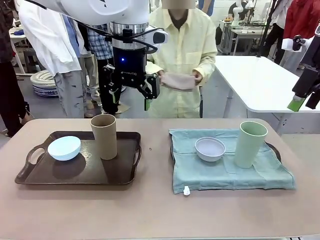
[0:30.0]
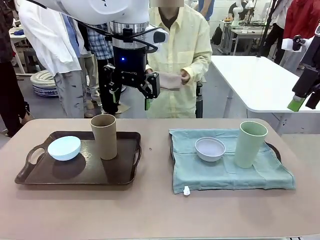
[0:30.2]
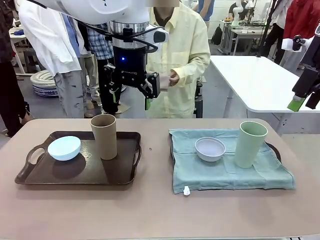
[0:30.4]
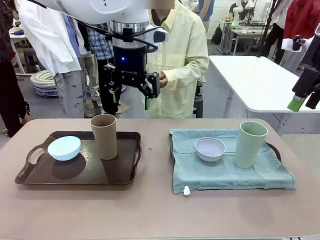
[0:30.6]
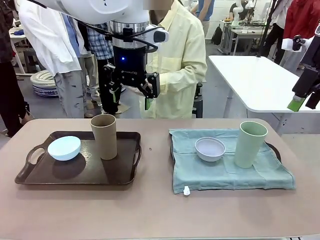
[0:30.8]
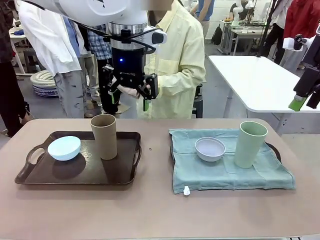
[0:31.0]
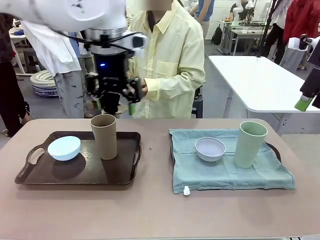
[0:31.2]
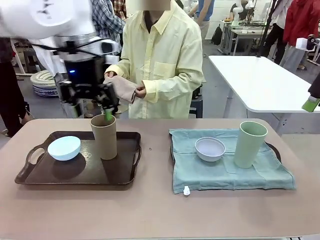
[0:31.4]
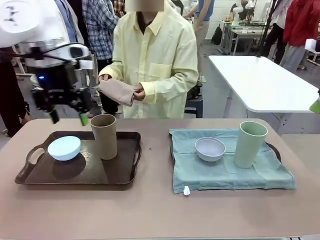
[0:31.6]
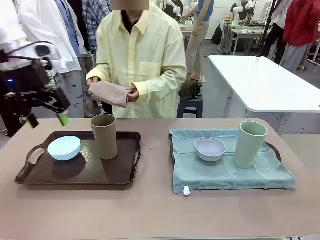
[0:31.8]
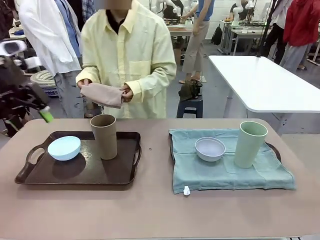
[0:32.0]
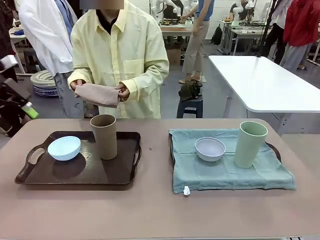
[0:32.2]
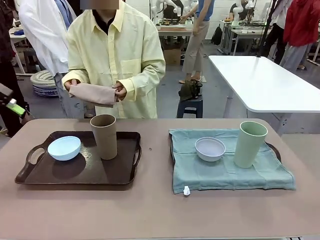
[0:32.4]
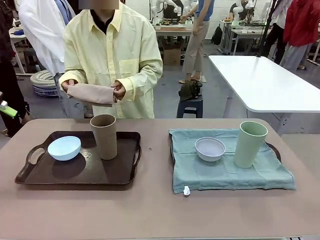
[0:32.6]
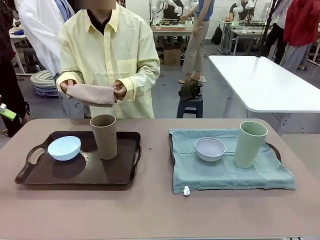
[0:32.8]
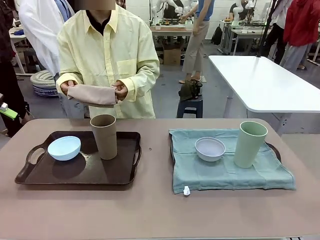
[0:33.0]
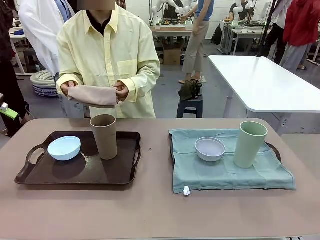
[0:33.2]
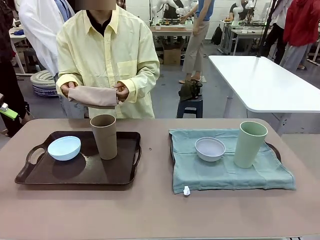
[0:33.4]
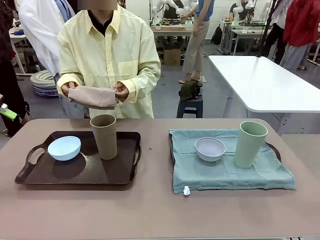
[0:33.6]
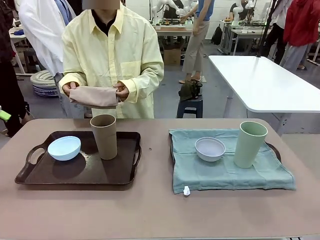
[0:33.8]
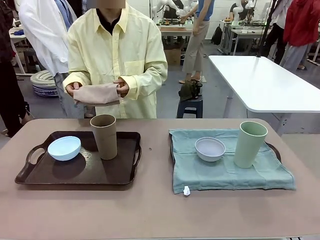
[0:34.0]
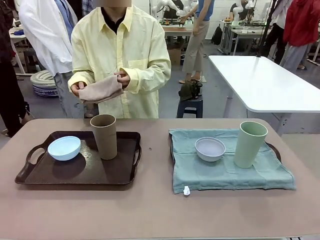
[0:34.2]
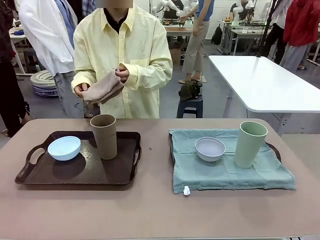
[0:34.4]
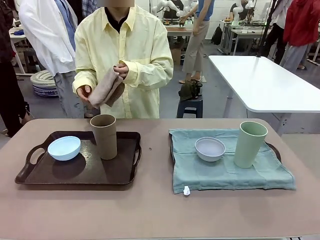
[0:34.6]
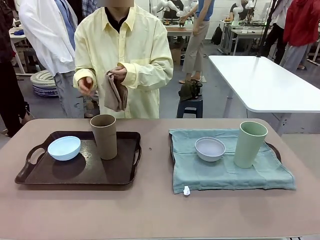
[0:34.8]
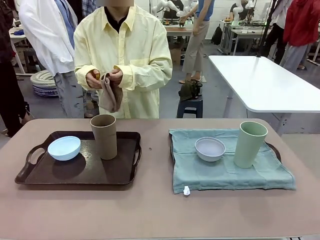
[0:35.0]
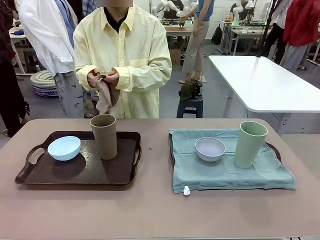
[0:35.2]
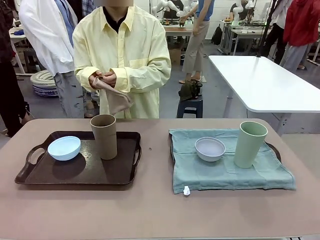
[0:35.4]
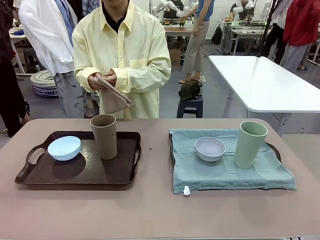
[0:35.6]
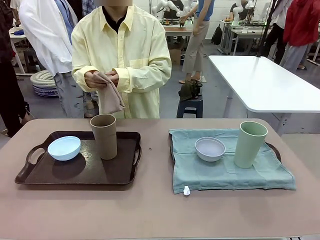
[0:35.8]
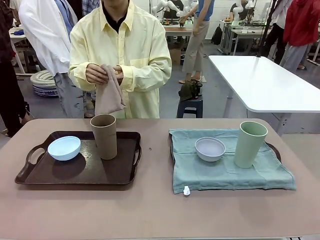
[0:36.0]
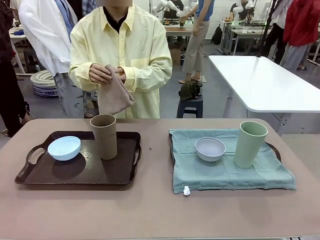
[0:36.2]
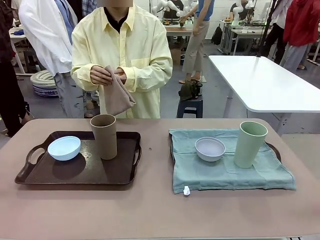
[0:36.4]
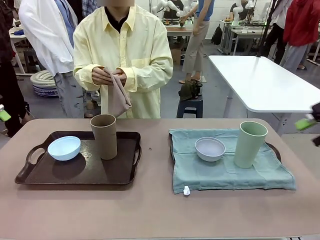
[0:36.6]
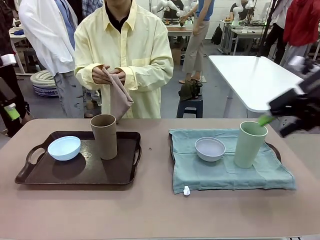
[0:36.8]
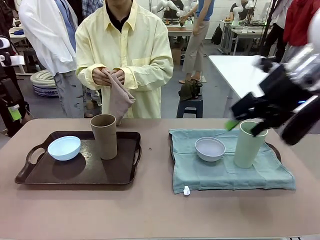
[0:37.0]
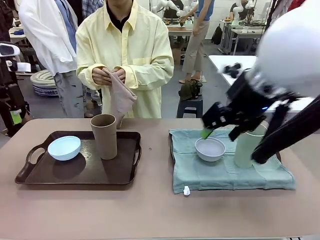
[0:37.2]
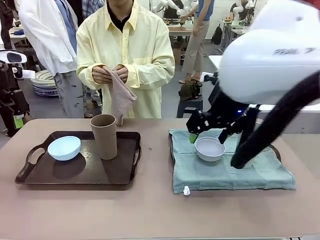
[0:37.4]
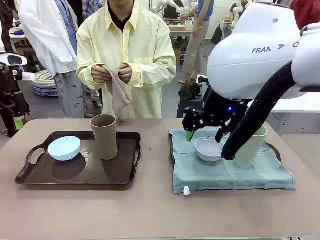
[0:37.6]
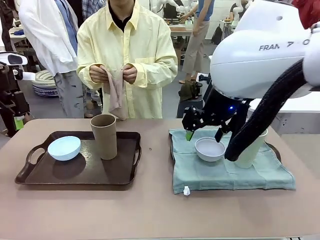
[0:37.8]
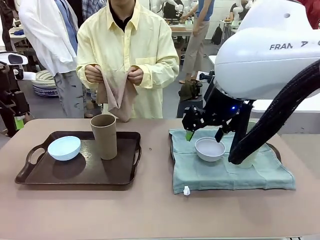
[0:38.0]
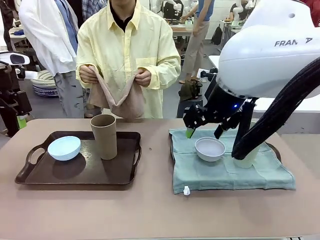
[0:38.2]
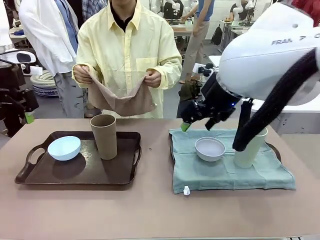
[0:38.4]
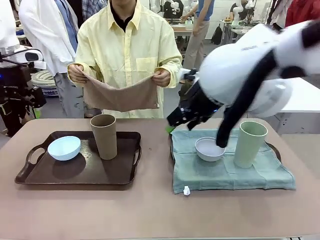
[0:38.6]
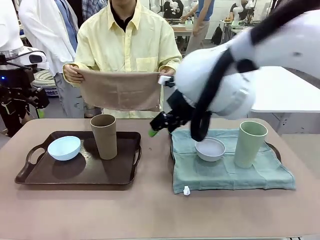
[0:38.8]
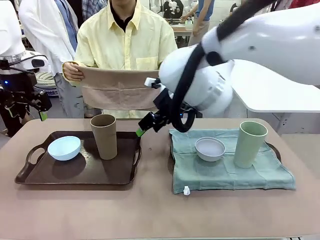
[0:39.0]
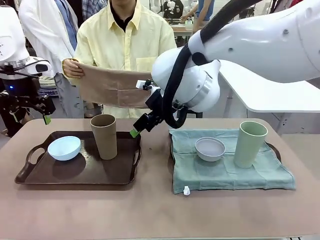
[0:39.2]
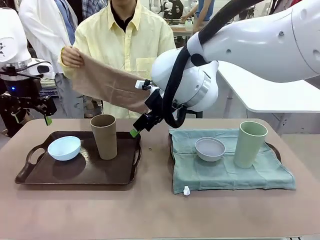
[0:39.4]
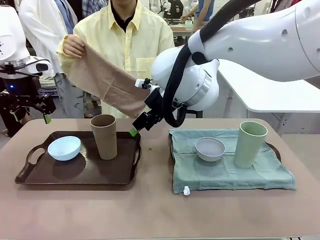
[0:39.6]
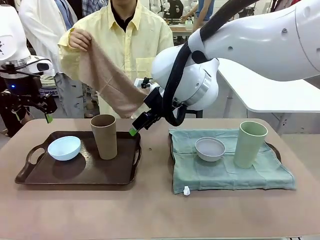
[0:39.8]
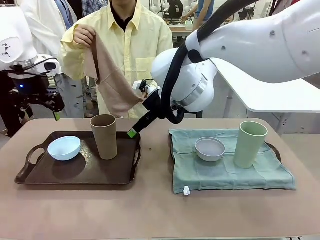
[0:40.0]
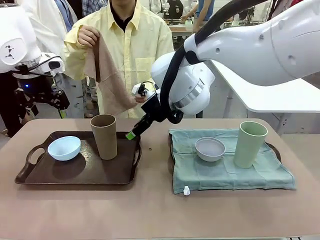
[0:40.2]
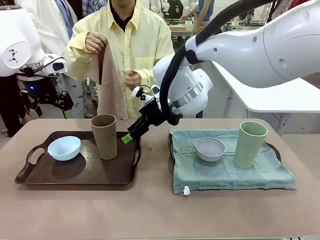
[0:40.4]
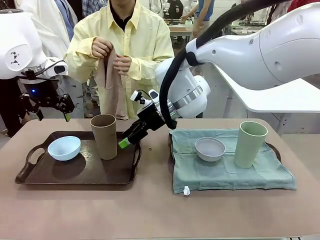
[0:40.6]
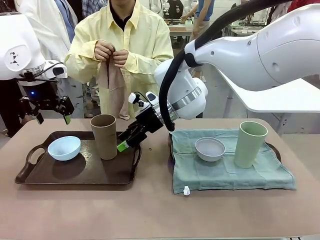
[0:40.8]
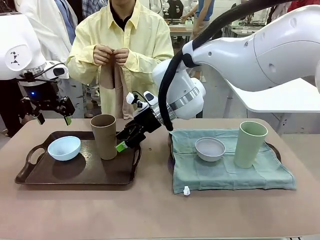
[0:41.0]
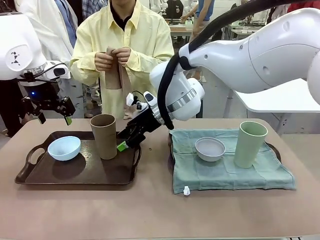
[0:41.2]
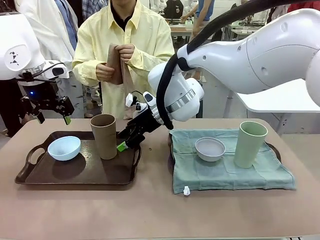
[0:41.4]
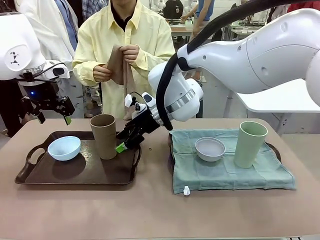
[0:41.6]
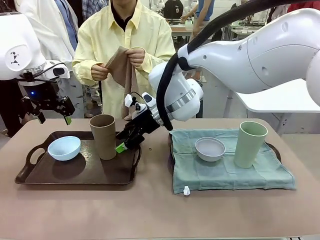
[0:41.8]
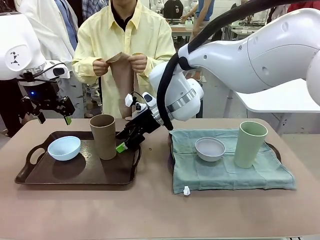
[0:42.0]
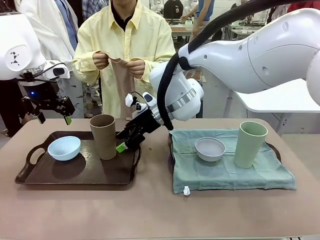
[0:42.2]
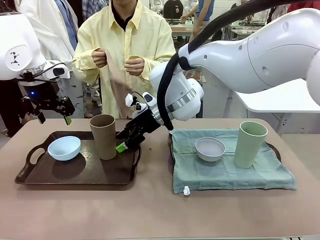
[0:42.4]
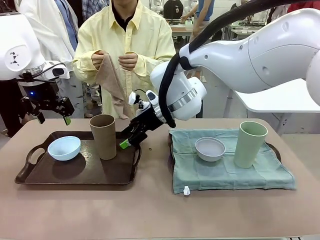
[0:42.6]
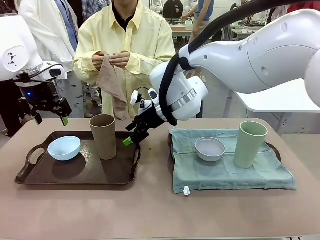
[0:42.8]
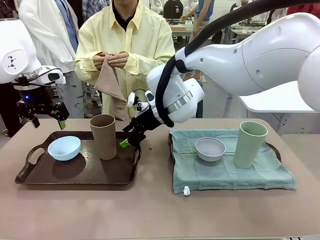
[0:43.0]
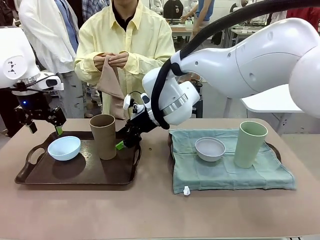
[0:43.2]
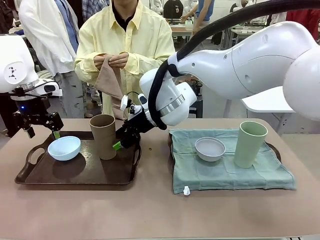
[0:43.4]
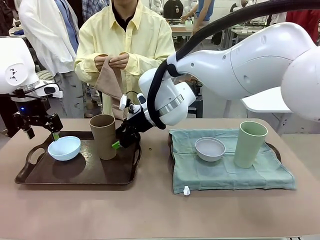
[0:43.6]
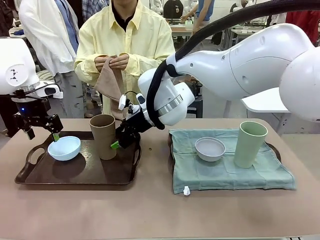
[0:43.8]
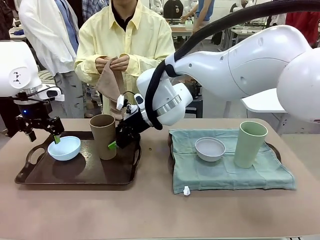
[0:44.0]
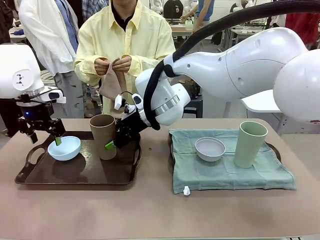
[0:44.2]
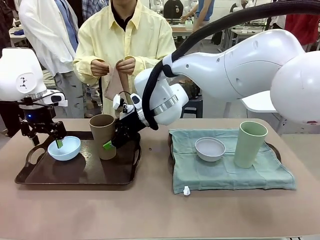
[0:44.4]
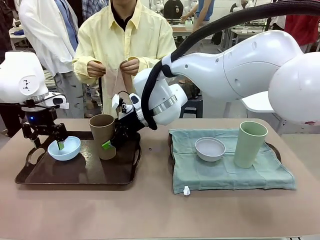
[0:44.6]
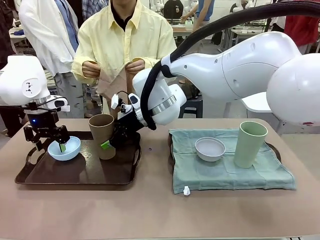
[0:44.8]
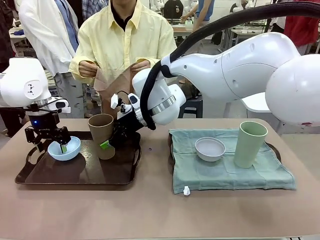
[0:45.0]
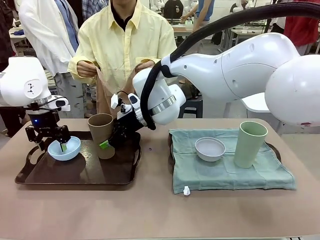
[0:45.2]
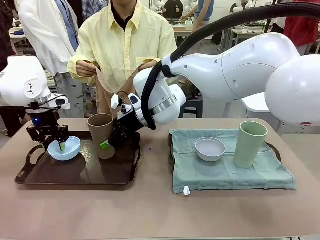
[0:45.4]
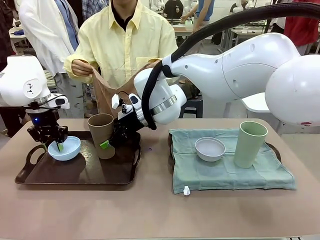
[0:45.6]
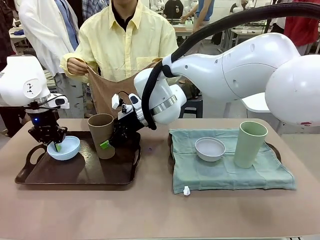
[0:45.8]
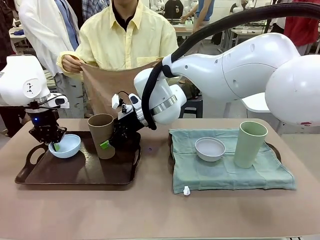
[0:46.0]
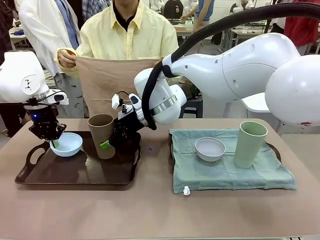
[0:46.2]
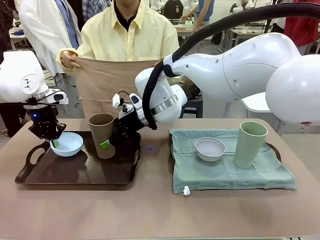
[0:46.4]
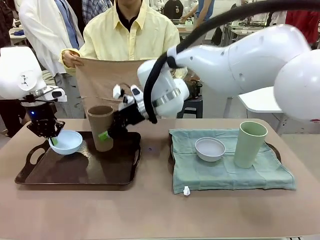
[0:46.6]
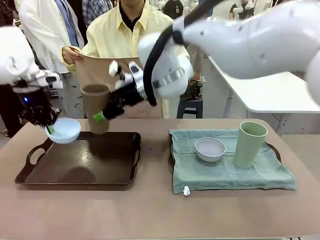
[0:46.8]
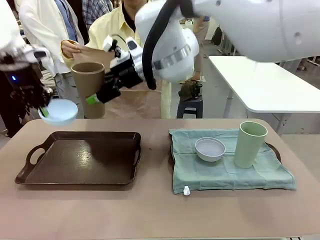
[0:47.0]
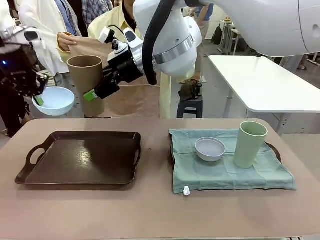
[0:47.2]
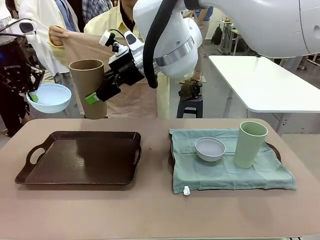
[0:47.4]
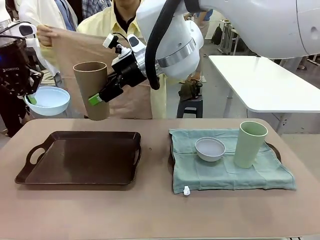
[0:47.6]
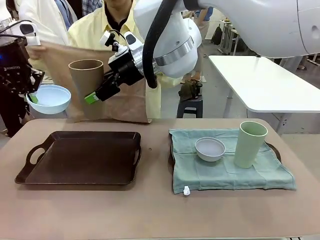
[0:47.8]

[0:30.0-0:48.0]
Robot: Pick up the Picnic Bowl and Reusable plastic cup from the Handle tray in front of the human's position and hold them in the air.
Person: When the robot lifts the bowl and the cup, the human unfolds the napkin and lays the napkin flat on the tray.

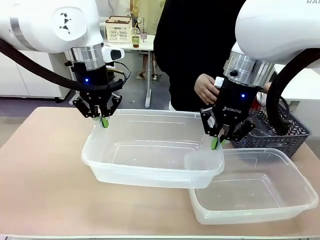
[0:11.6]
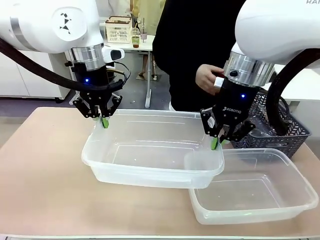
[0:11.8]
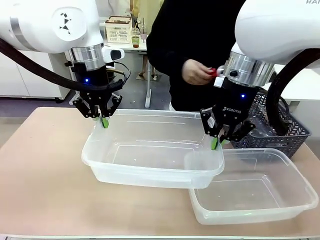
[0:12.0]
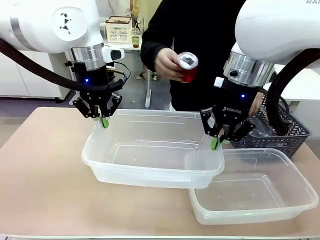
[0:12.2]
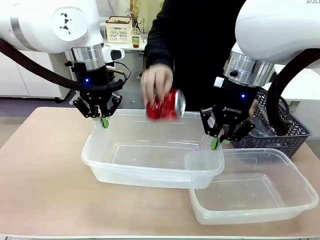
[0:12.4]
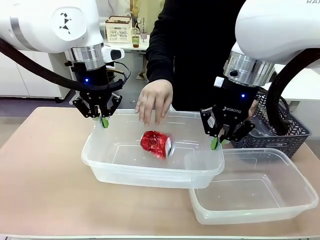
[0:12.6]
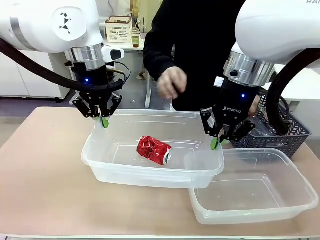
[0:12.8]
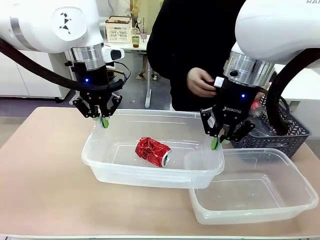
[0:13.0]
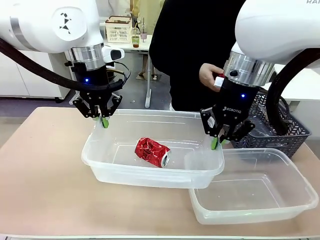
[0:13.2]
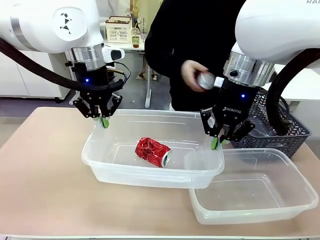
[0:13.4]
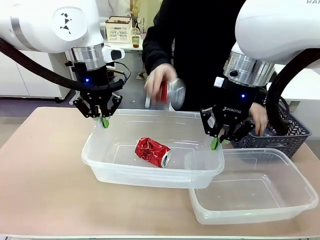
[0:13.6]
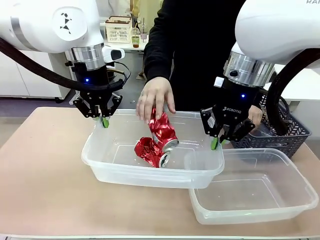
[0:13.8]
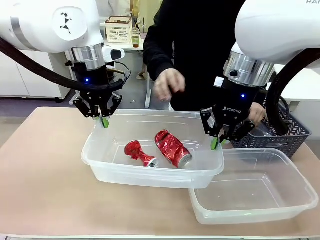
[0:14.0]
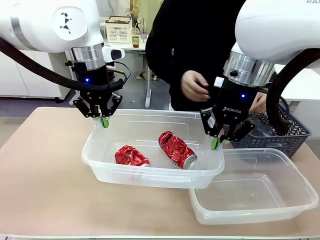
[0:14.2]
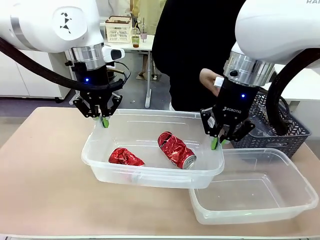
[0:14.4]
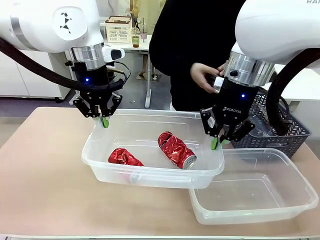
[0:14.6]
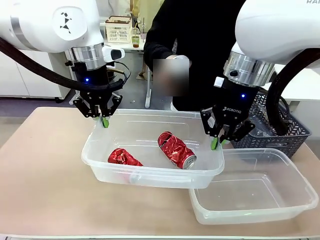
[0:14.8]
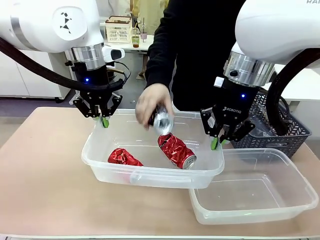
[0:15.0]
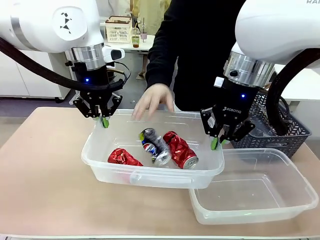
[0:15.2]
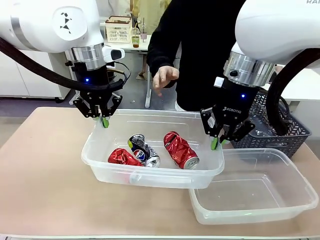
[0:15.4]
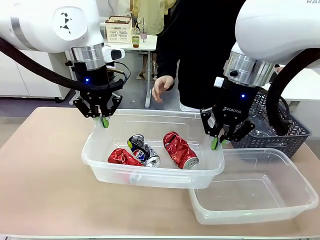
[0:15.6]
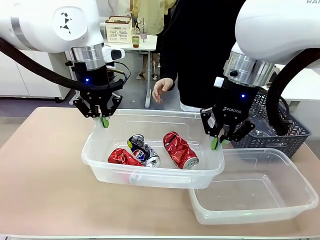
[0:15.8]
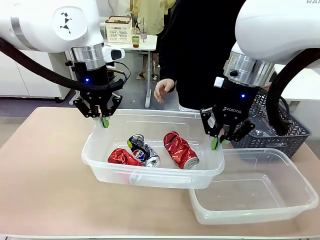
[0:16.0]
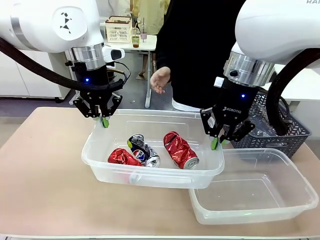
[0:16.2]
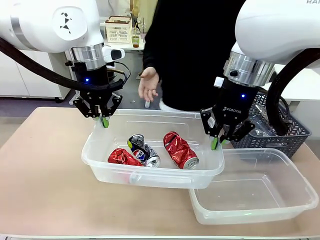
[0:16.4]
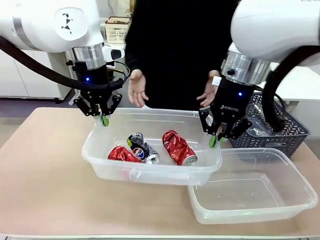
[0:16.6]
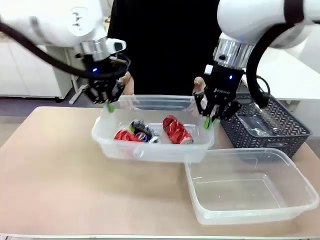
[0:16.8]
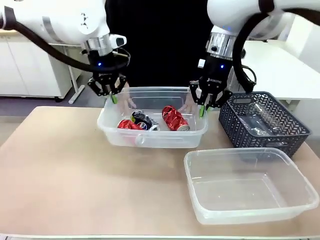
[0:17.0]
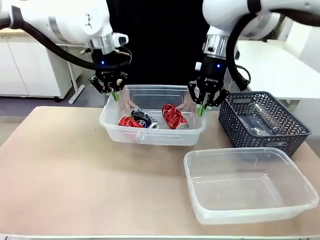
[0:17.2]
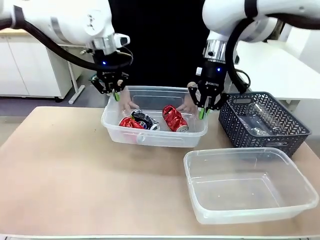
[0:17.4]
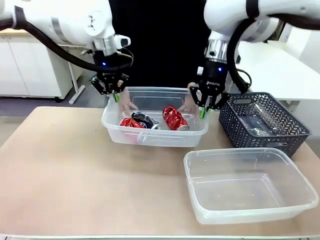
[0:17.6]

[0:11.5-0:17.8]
Robot: Offer the picked Organizing box to the human.
